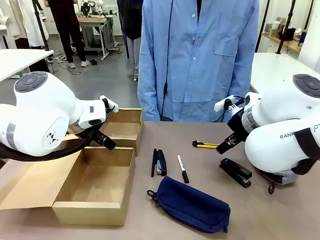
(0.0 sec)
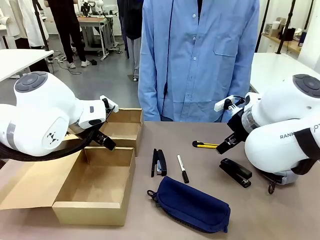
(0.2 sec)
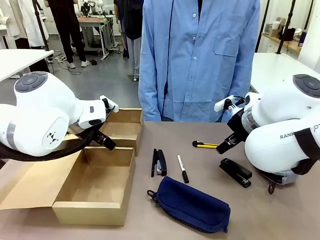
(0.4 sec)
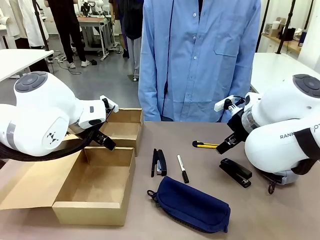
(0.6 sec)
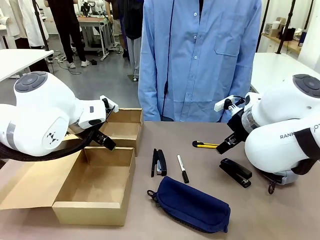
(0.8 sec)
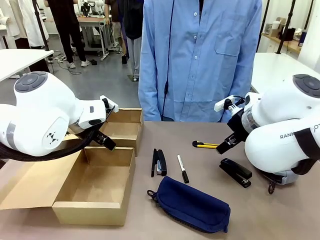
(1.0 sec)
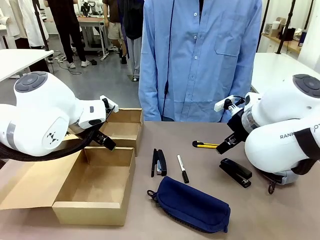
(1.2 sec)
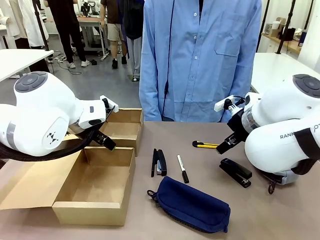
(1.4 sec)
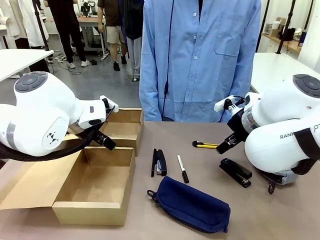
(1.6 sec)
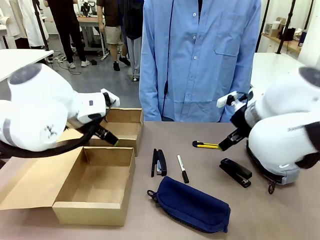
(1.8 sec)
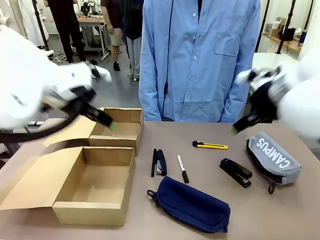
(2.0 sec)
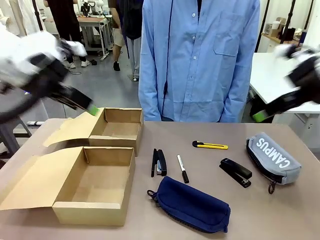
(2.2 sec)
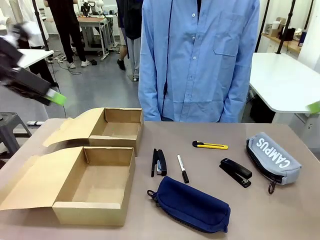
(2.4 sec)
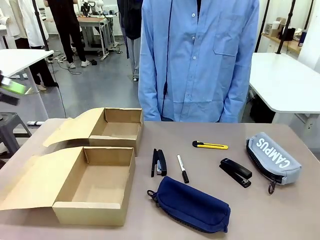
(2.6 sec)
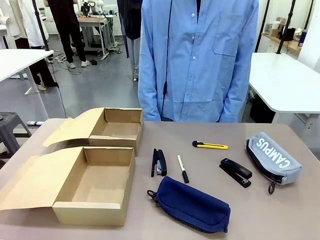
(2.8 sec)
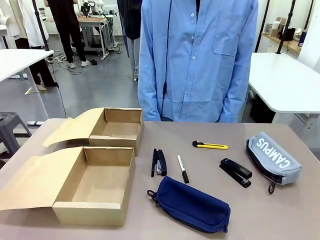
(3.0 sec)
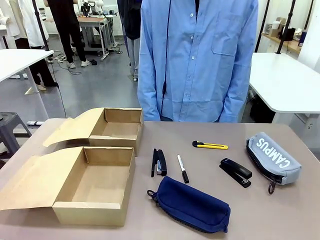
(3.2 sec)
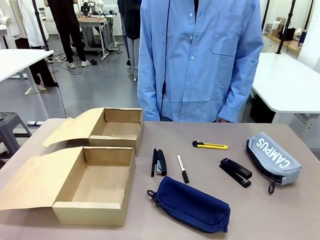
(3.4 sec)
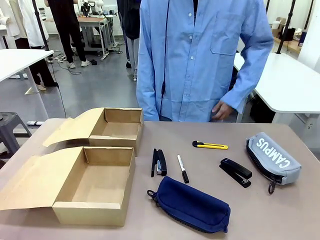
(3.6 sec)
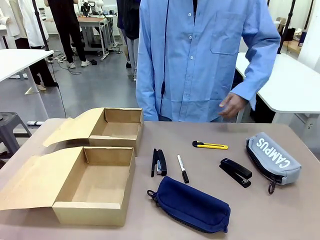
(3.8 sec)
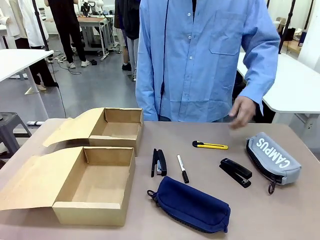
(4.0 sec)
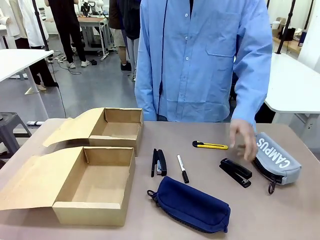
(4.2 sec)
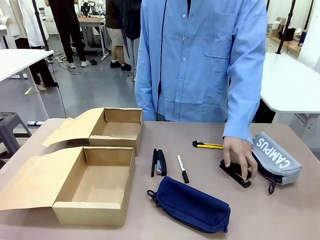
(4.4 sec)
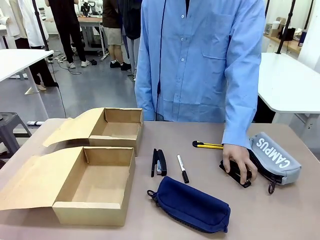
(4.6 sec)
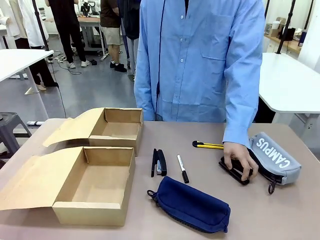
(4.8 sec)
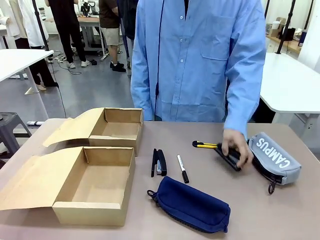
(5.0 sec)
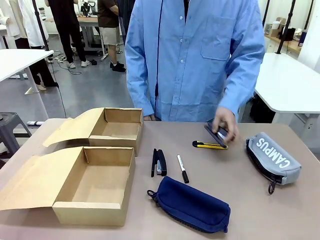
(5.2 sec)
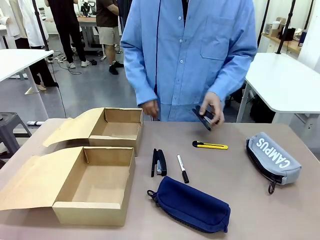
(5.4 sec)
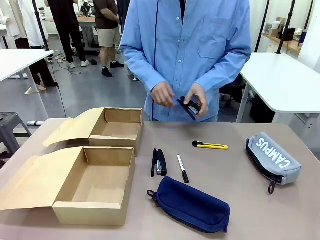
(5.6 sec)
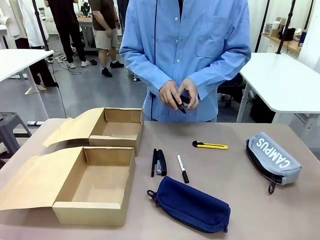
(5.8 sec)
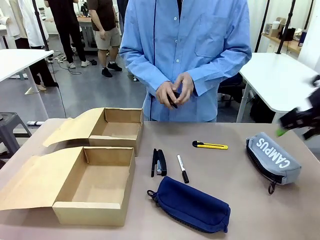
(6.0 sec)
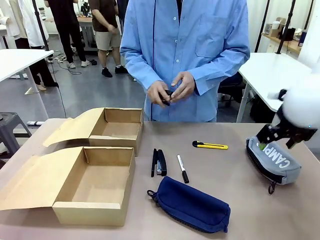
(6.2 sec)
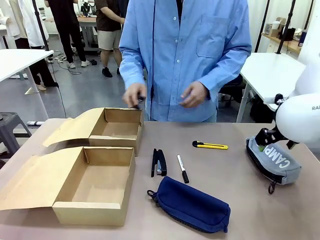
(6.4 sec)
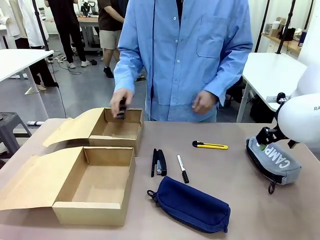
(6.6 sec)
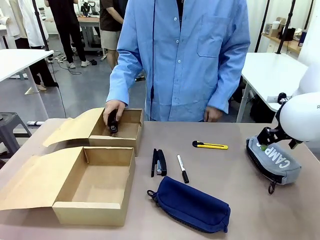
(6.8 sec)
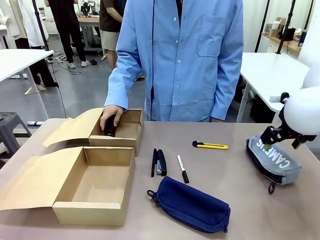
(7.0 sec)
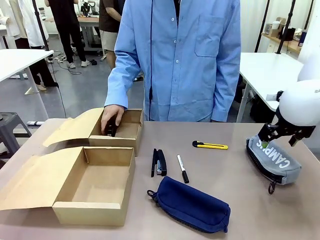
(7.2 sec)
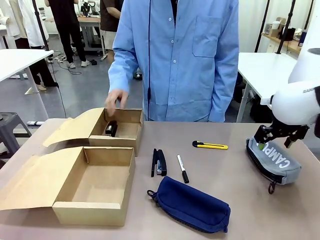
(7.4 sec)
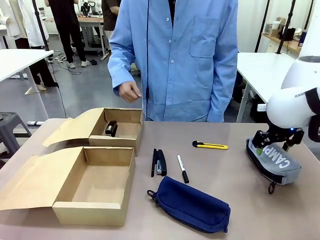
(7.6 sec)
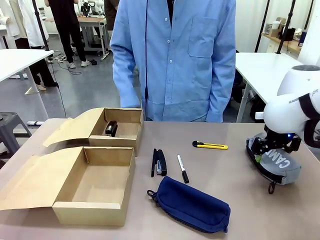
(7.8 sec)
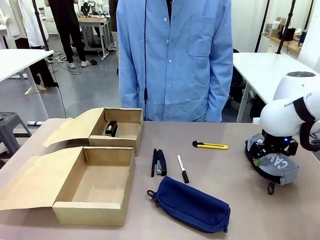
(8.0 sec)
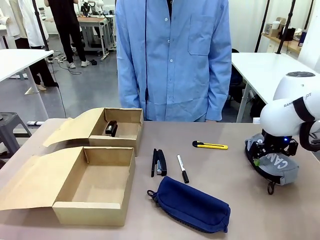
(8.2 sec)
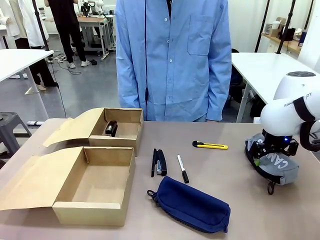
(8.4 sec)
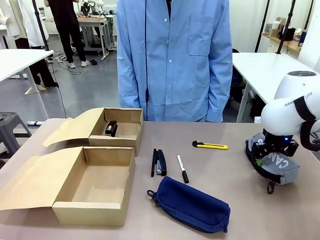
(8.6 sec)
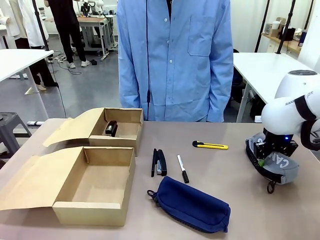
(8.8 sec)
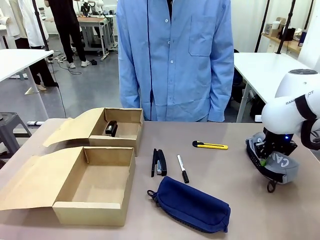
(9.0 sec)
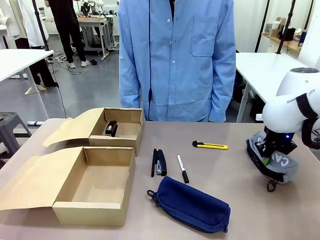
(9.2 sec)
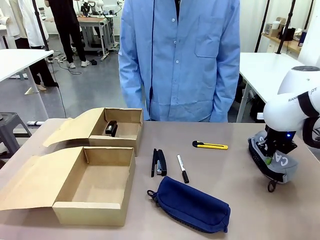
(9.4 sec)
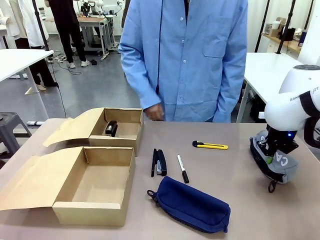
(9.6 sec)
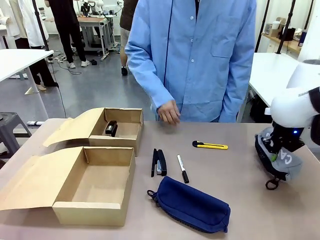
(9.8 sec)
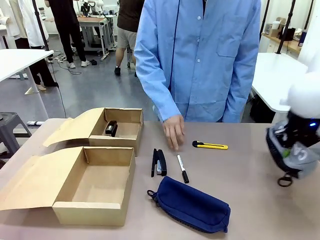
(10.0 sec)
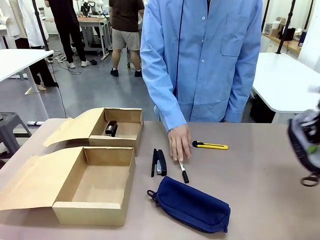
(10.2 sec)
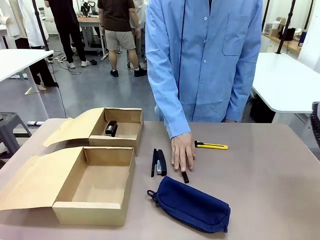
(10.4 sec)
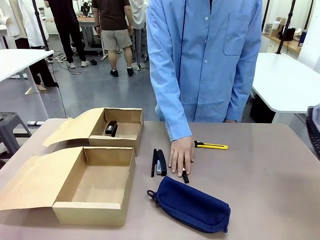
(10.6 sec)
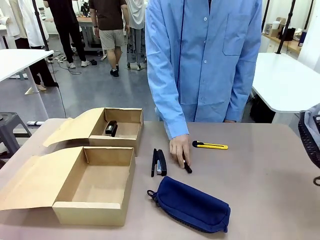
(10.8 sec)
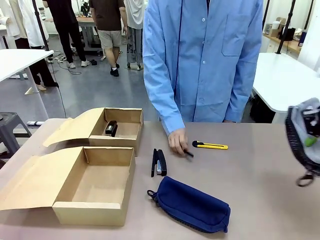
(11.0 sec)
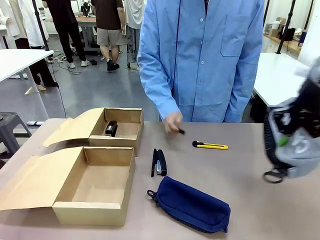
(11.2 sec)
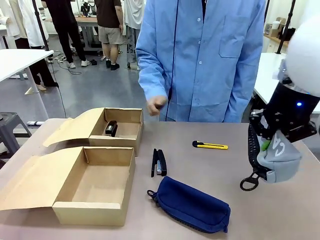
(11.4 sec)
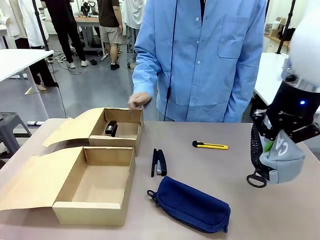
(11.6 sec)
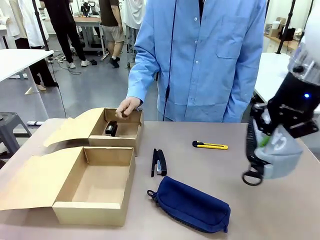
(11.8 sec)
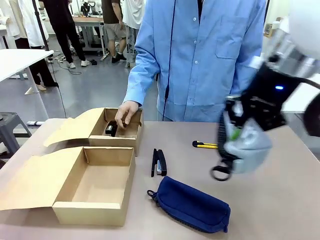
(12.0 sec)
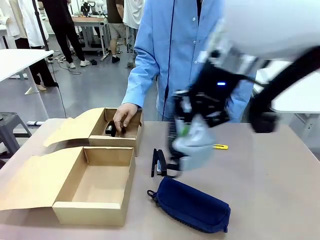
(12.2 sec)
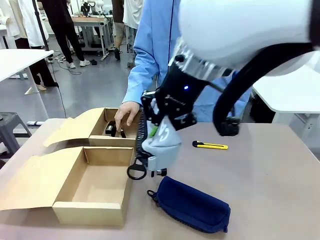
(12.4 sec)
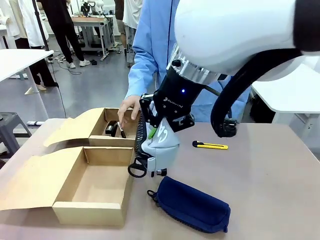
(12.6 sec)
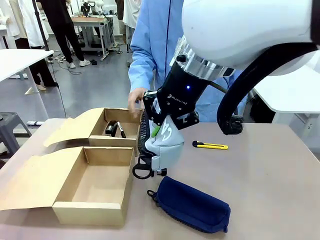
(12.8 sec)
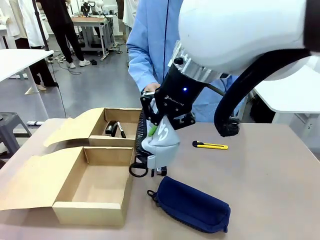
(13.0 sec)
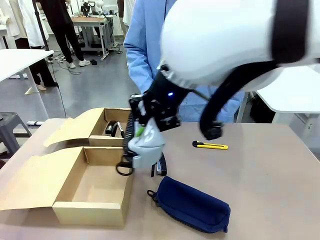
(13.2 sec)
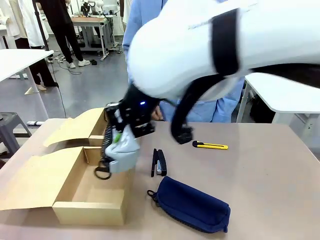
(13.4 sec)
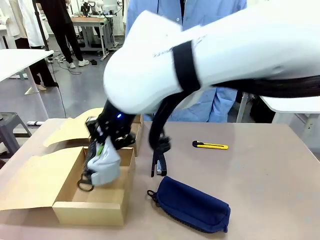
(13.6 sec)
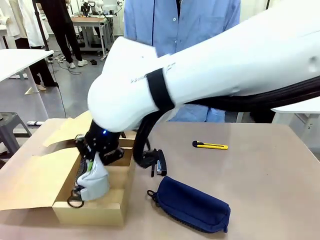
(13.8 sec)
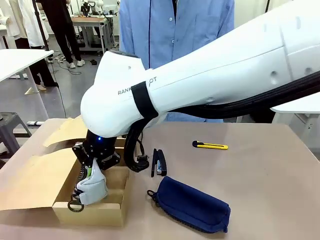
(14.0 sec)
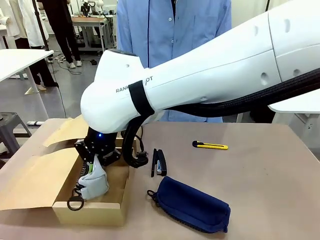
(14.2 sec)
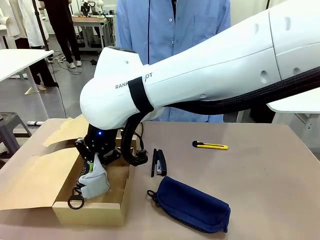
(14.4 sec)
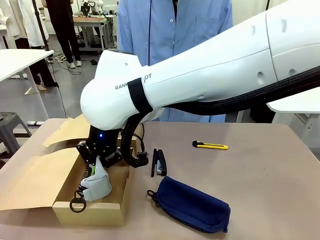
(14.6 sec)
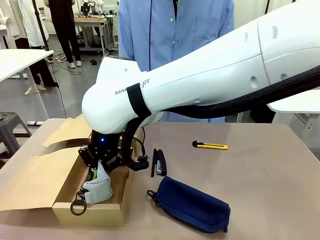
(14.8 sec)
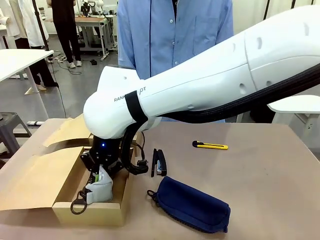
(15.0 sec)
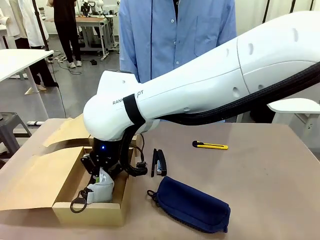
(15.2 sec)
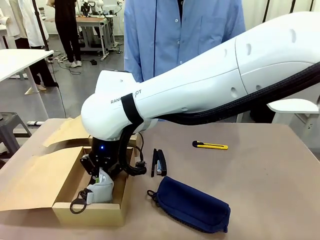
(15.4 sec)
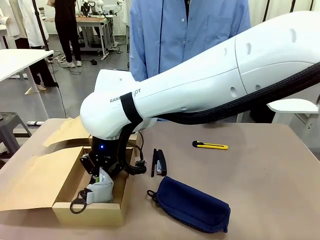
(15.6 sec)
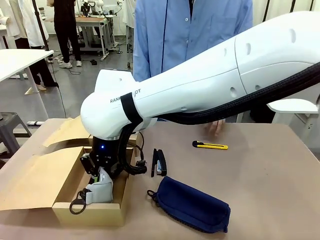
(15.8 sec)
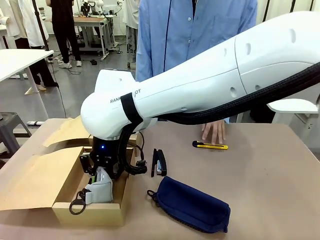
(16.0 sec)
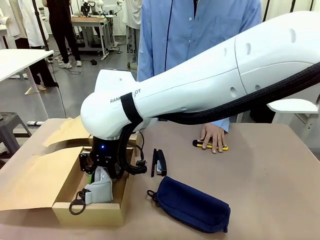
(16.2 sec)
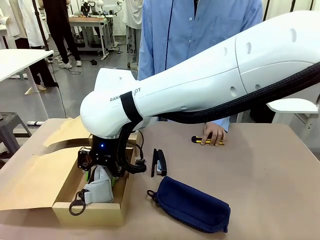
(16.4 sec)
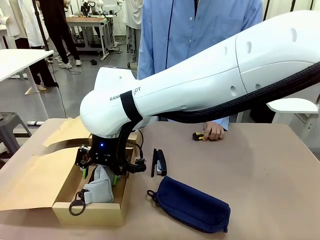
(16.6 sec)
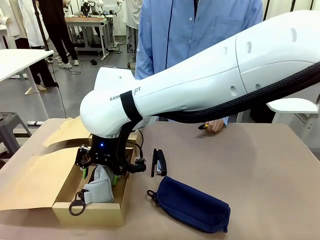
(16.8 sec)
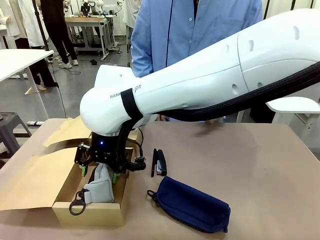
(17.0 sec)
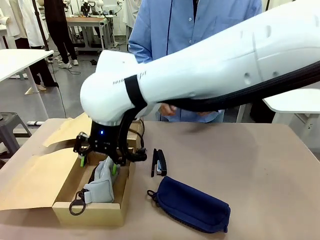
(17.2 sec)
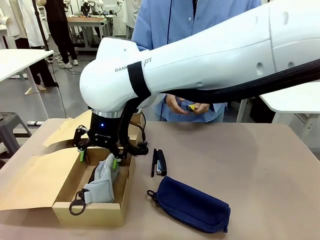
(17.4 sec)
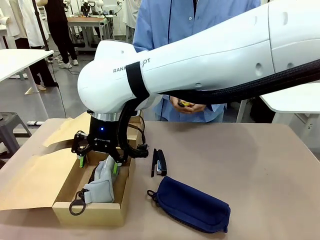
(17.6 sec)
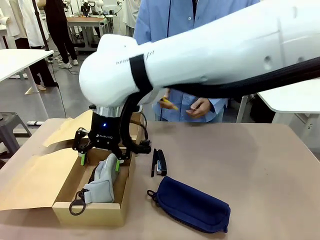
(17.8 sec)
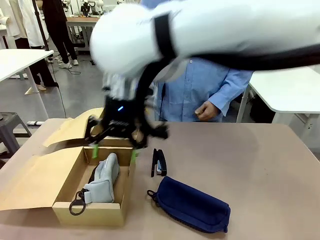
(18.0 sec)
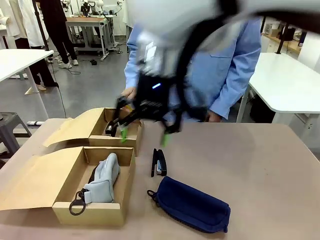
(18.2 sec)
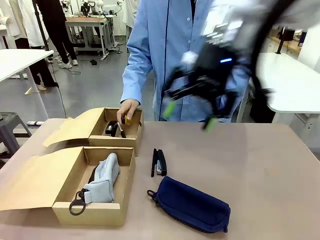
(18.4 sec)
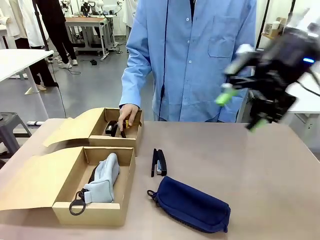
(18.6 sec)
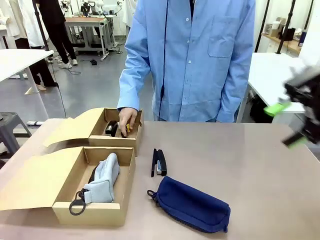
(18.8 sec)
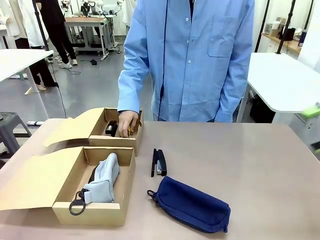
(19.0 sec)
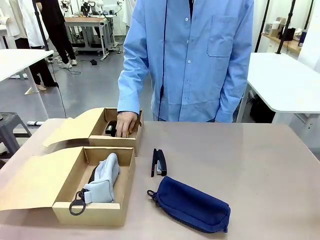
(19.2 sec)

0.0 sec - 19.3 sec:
Task: Place items inside the box.
Robot: Pick up a Pencil pouch or Stapler and place it inside the Mailer Box closest to the robot.
Person: Pick up an object on the table and put it in the box.
